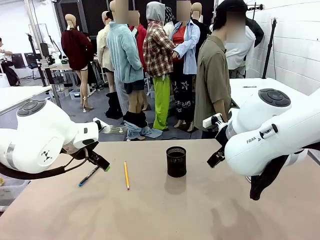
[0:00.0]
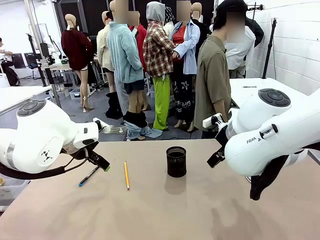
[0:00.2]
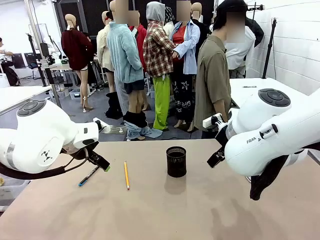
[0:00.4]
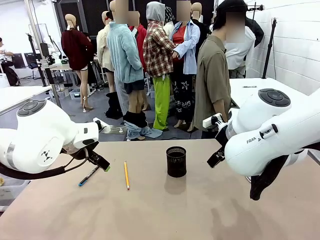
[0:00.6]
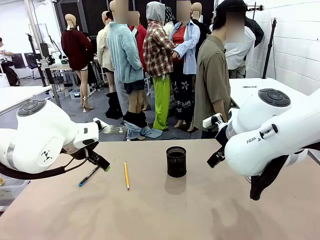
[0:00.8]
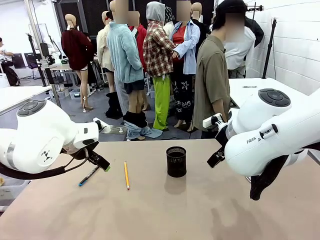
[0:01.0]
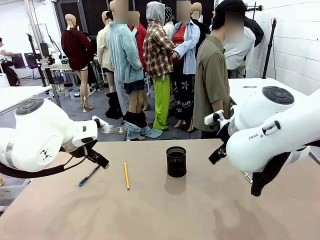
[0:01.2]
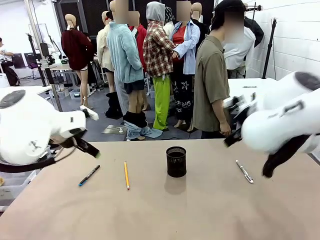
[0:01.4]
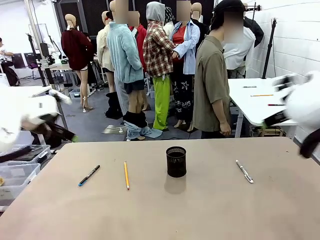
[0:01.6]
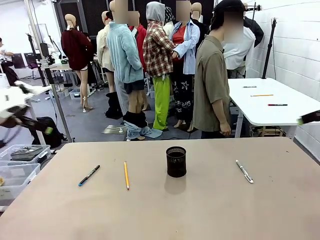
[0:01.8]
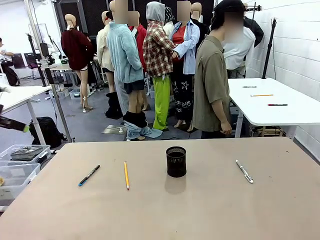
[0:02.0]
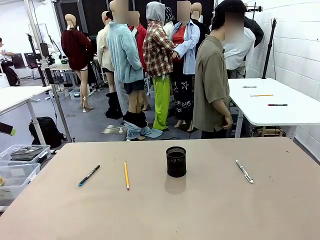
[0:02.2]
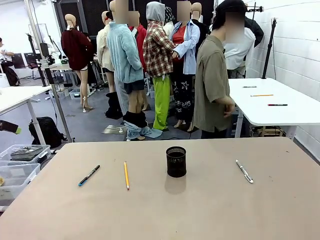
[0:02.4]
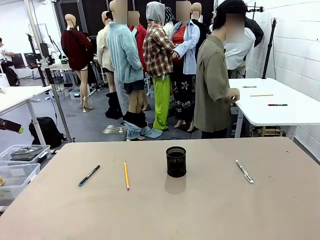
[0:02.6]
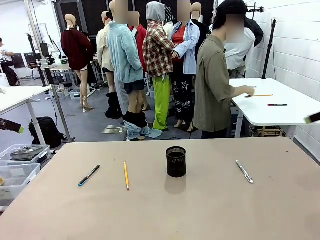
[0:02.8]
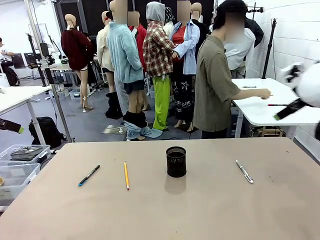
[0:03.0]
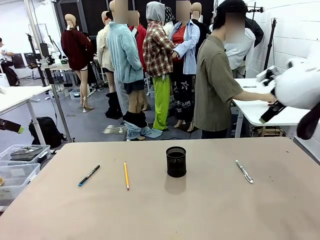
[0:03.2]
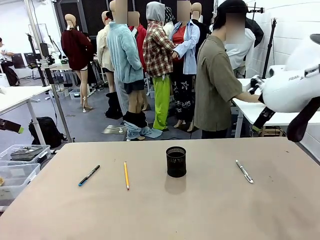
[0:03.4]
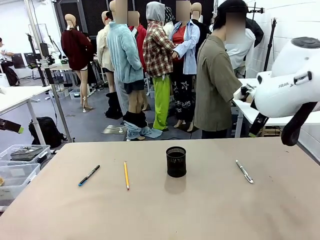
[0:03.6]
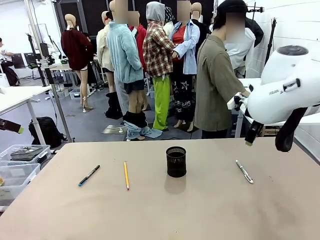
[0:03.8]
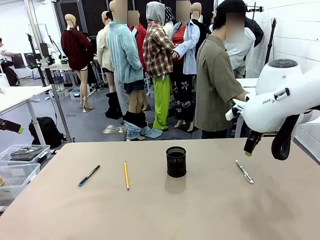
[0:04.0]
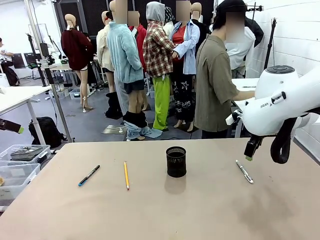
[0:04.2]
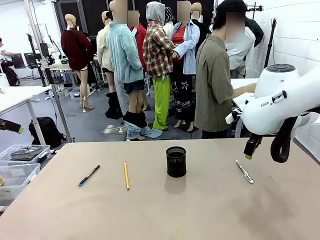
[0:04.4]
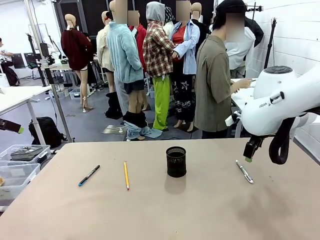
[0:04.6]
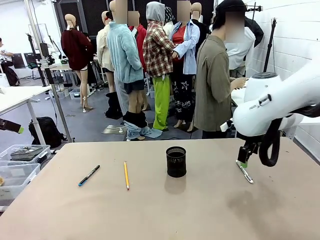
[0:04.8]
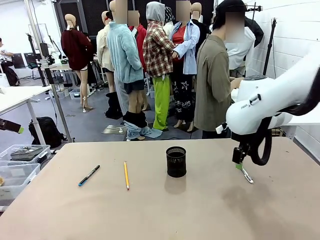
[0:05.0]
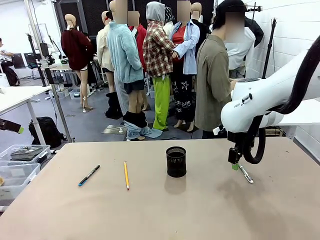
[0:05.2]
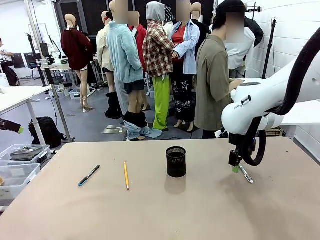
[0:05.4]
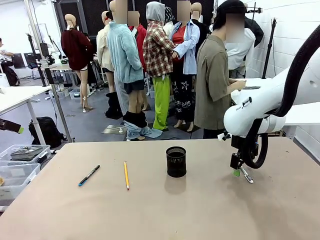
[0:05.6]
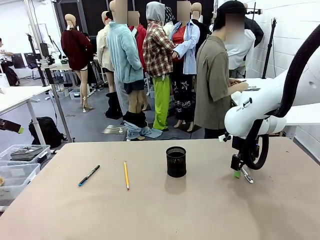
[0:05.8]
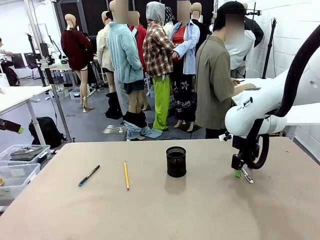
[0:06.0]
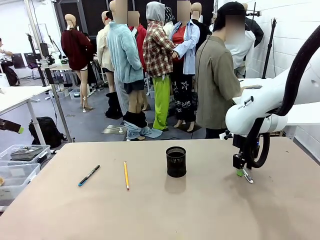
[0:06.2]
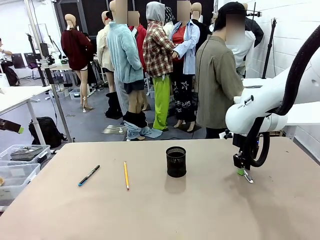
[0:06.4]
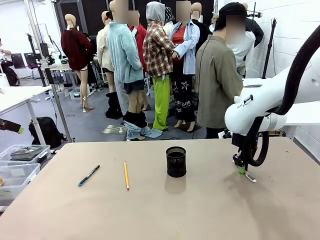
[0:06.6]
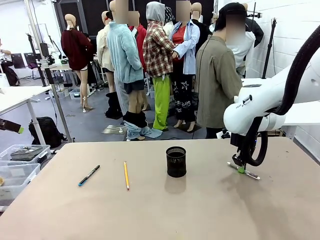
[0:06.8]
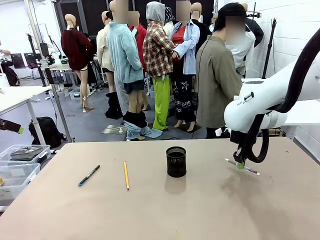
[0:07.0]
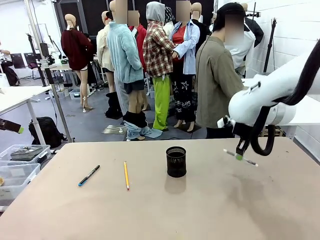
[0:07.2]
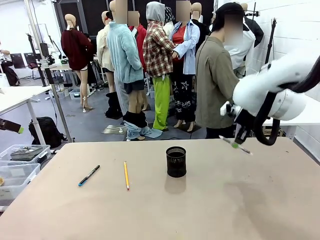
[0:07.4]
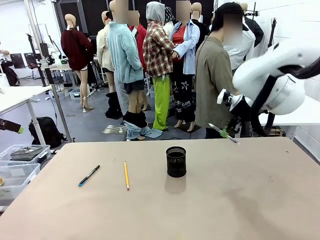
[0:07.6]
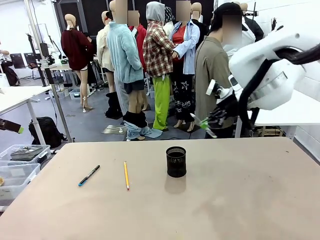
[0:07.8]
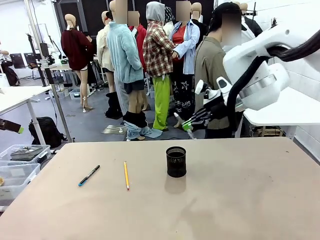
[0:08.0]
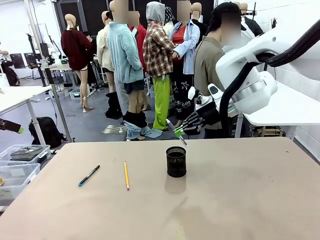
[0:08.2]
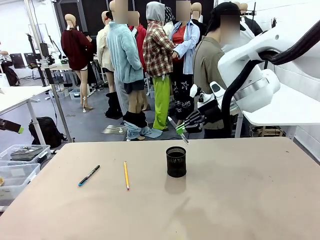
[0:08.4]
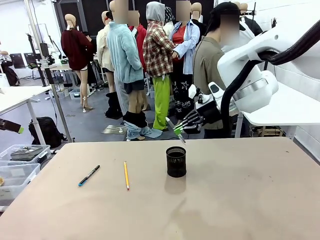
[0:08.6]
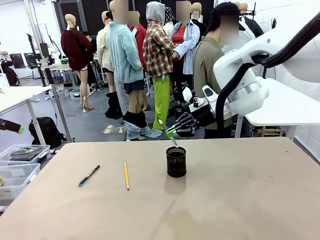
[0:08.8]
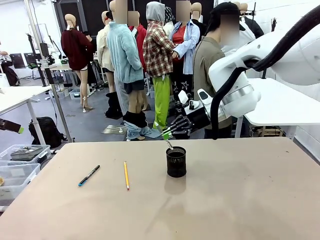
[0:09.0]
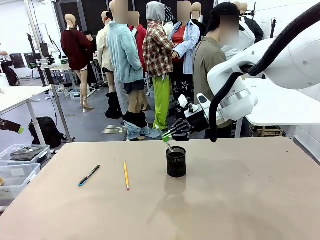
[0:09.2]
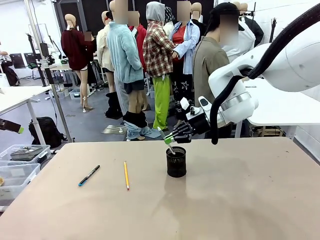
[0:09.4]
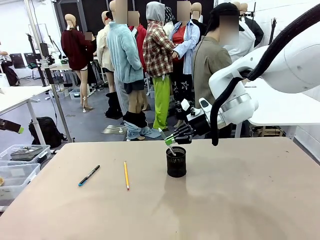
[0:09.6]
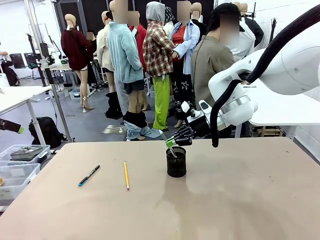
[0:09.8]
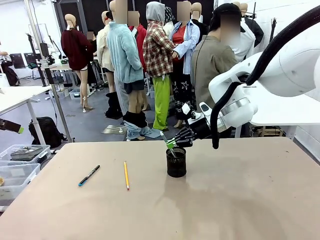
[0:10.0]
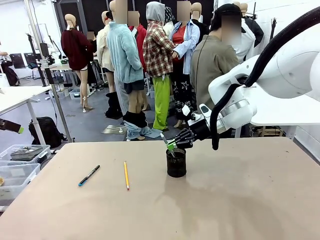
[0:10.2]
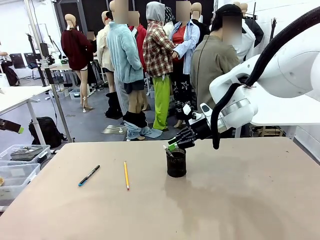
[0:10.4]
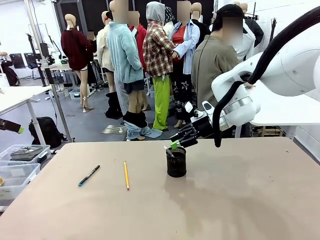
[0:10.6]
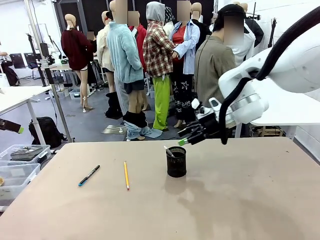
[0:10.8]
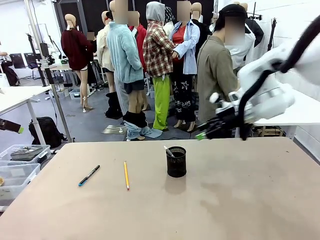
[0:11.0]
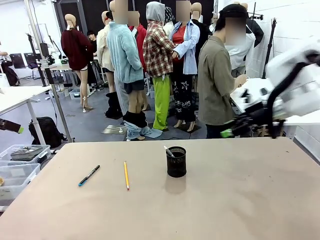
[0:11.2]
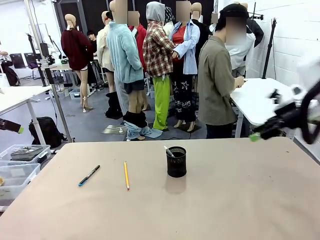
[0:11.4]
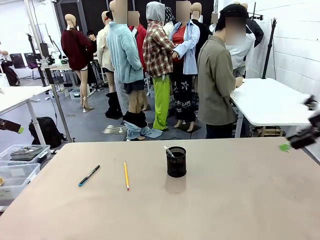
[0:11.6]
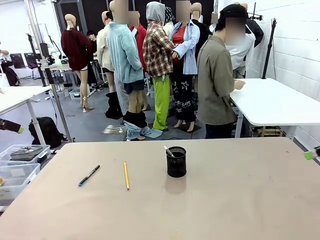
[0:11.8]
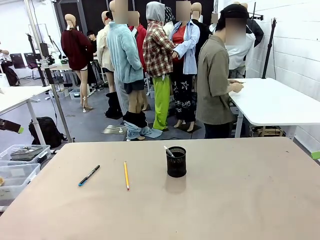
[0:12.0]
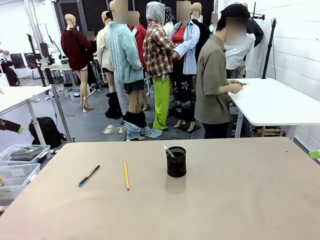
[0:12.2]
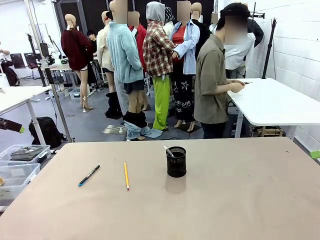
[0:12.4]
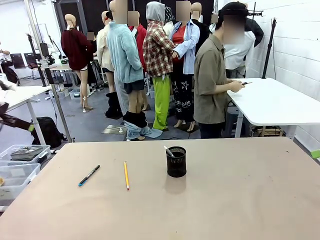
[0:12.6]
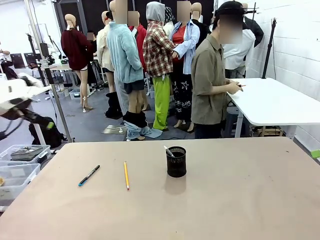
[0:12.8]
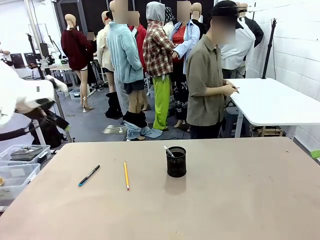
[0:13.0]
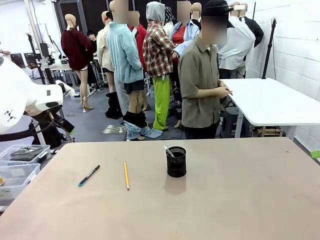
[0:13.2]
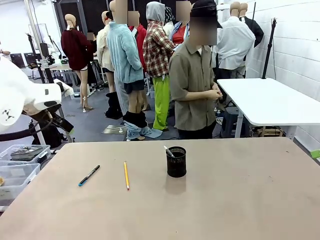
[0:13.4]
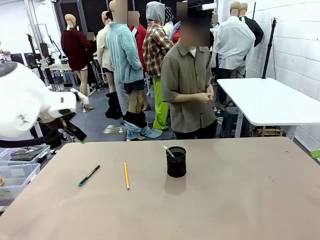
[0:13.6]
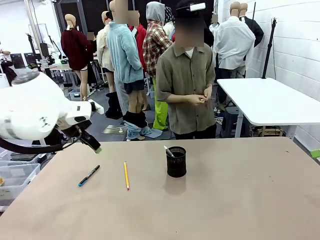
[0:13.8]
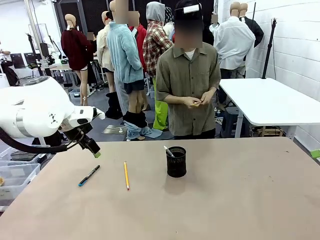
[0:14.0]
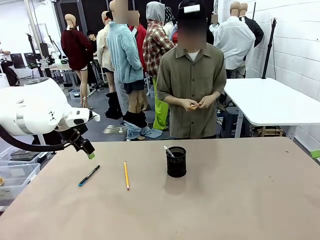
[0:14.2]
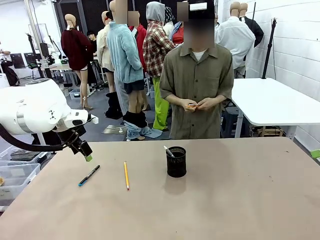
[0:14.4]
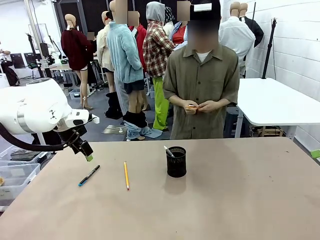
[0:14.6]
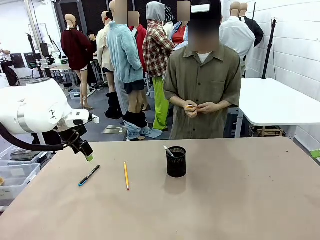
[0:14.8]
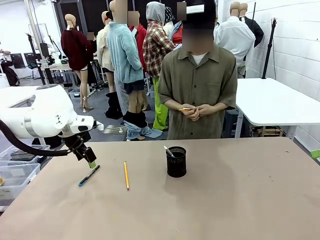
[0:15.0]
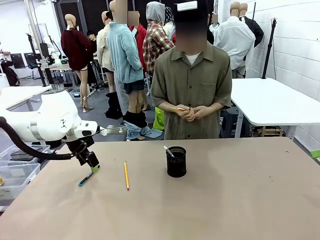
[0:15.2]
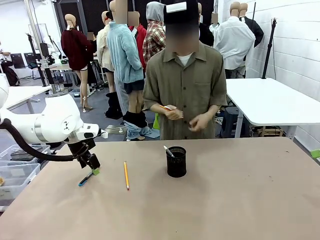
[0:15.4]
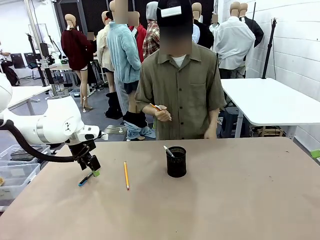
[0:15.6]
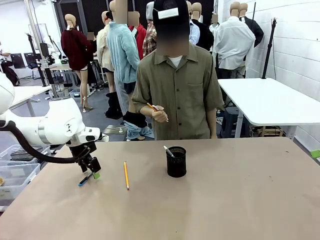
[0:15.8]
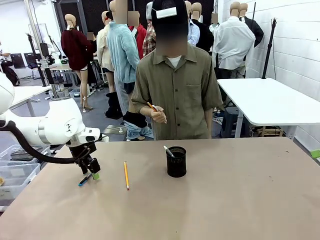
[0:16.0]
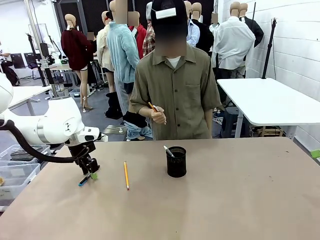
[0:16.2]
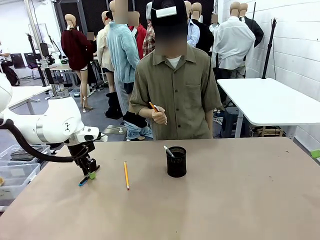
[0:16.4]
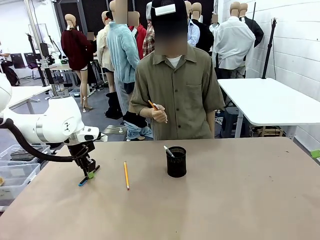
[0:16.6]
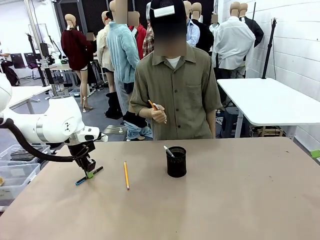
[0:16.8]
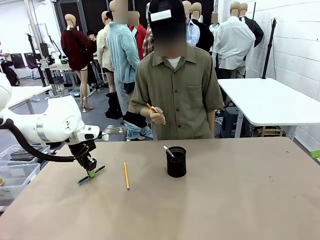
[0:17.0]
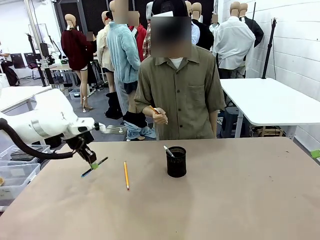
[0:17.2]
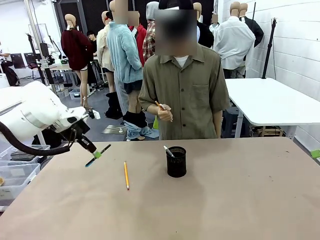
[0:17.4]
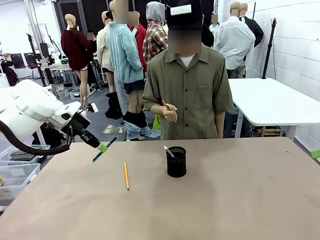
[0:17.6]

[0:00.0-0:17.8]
Task: Place the pens into the pen holder.
Robot: Pick up a writing instrument from the table and place it into the Pen holder.
Person: Pick up all writing instruments from the Human table.
